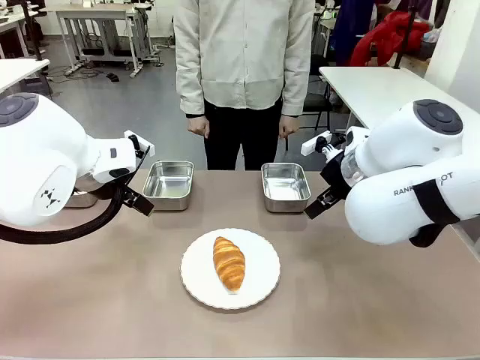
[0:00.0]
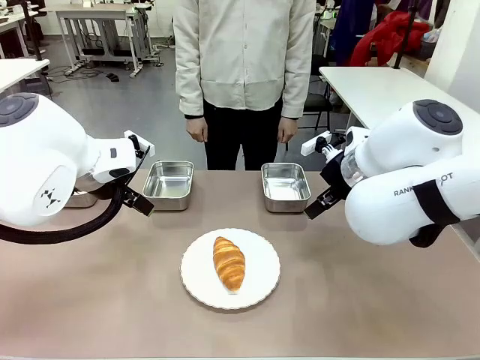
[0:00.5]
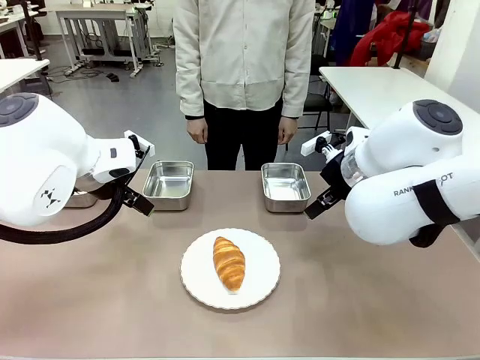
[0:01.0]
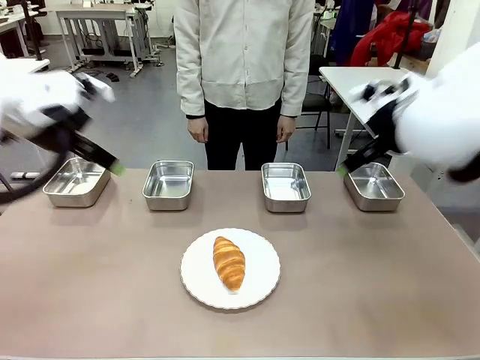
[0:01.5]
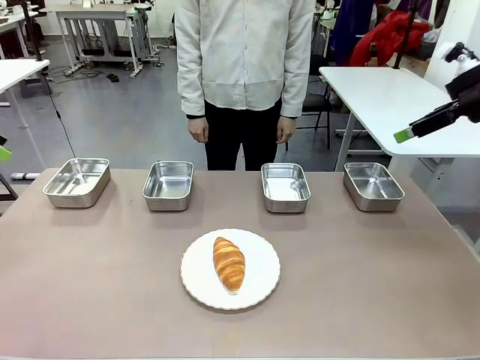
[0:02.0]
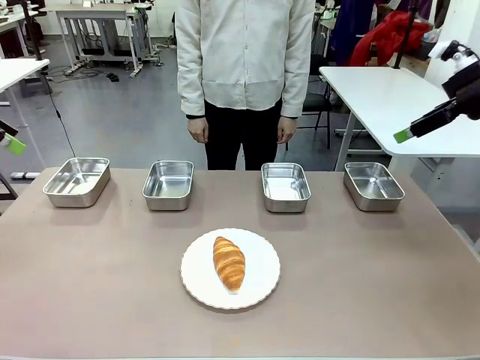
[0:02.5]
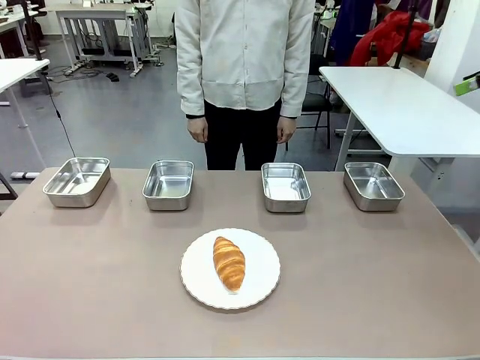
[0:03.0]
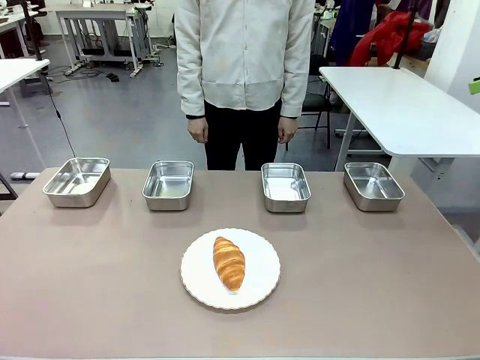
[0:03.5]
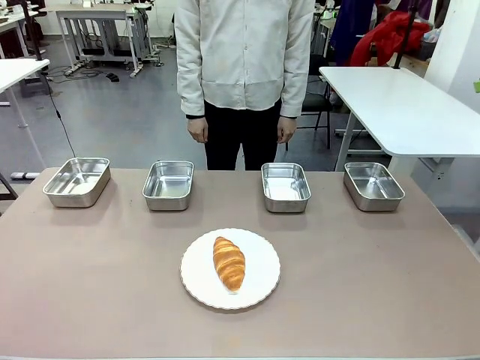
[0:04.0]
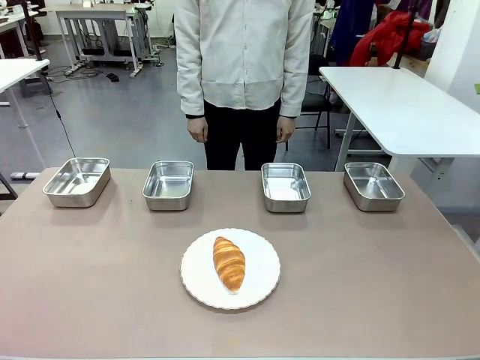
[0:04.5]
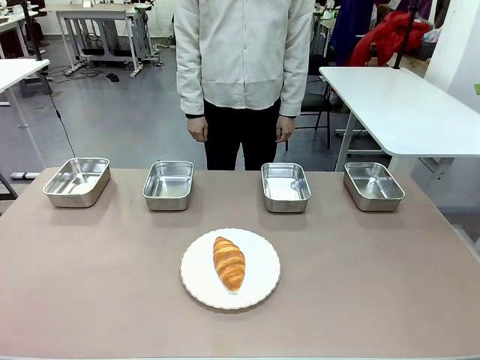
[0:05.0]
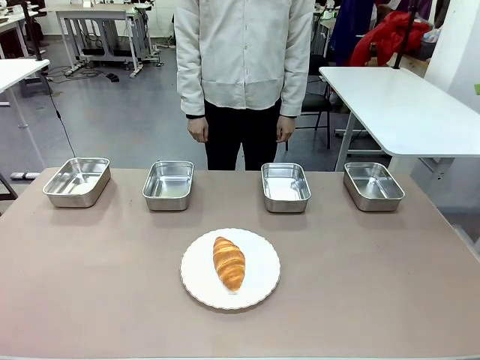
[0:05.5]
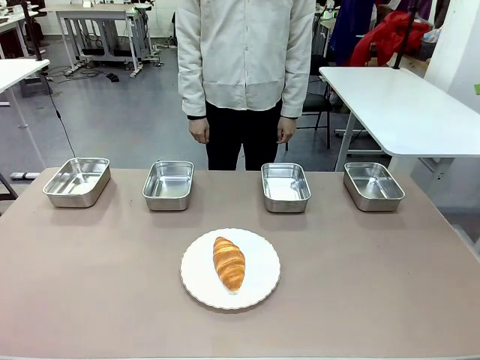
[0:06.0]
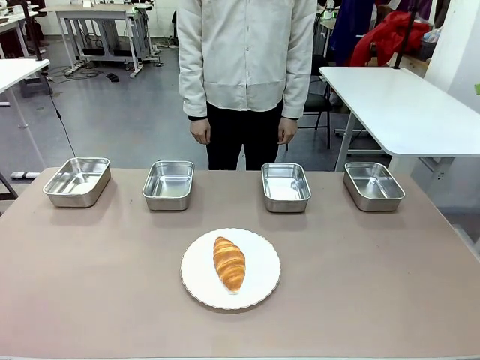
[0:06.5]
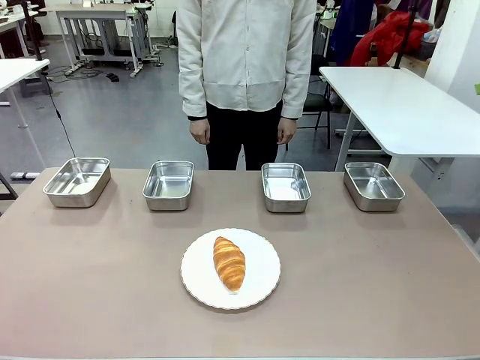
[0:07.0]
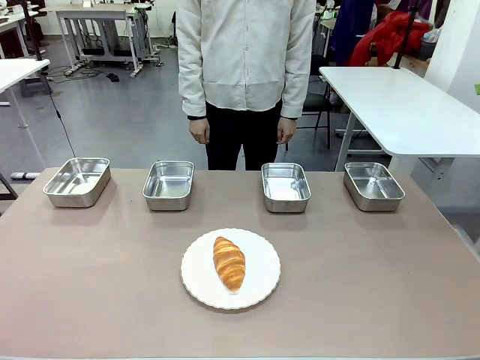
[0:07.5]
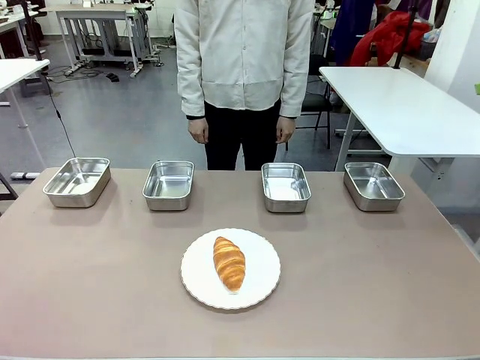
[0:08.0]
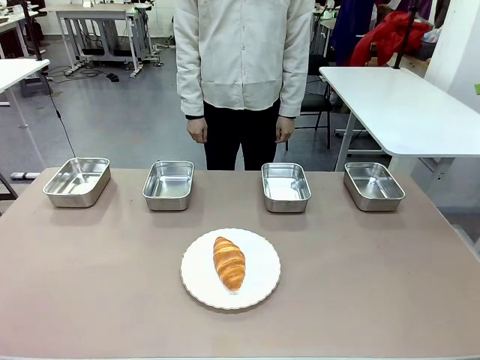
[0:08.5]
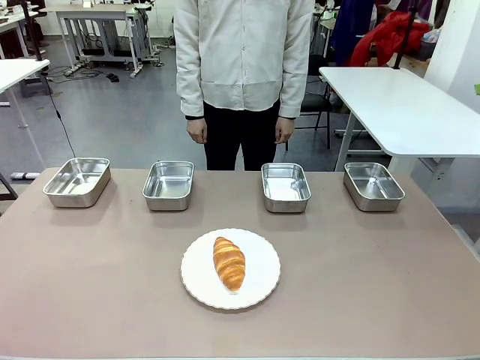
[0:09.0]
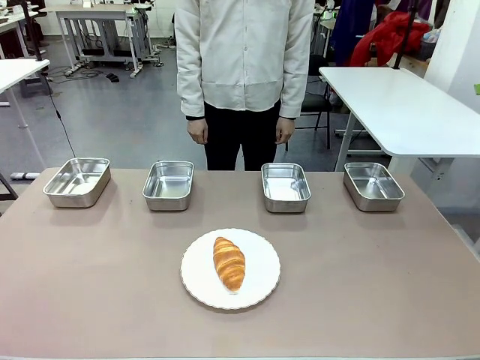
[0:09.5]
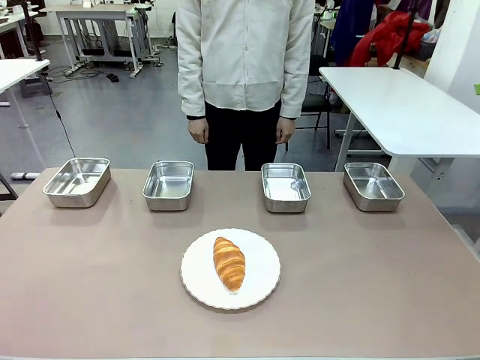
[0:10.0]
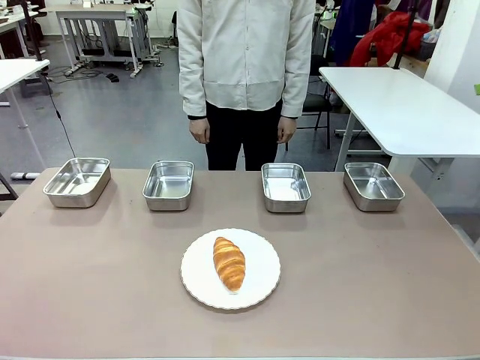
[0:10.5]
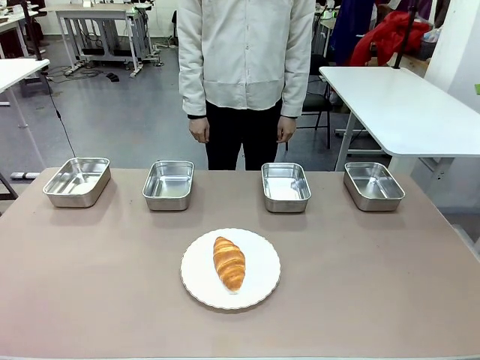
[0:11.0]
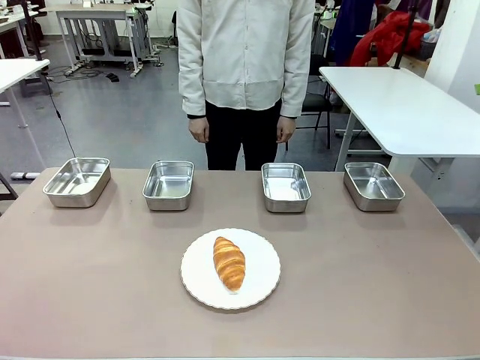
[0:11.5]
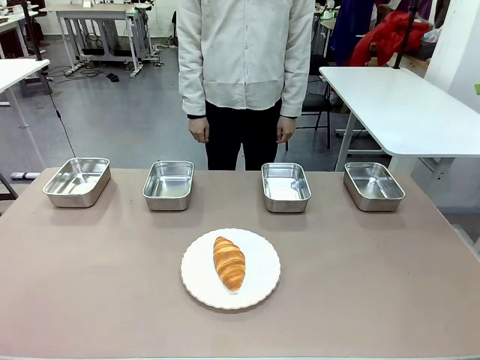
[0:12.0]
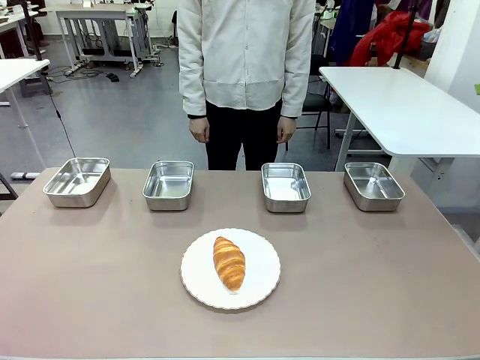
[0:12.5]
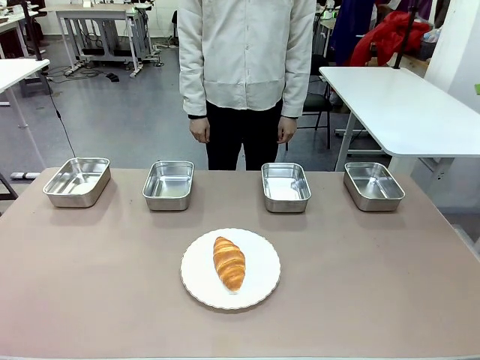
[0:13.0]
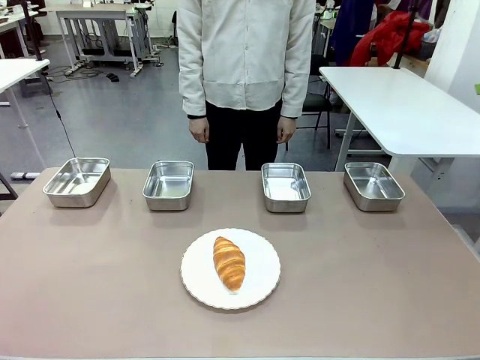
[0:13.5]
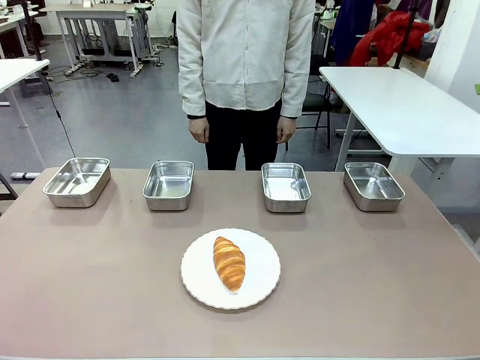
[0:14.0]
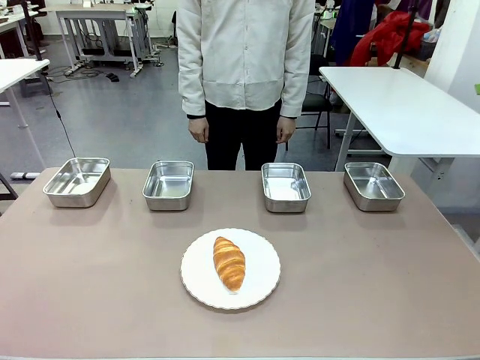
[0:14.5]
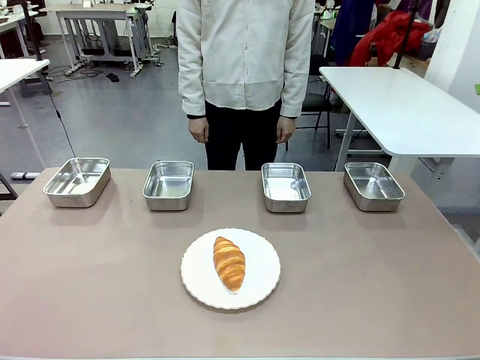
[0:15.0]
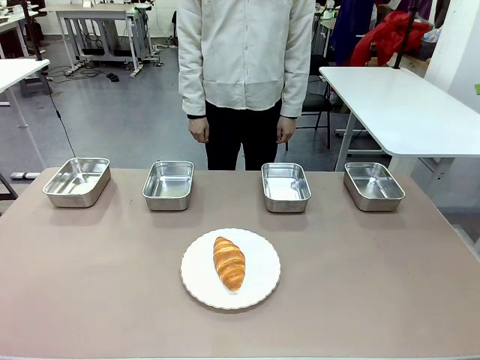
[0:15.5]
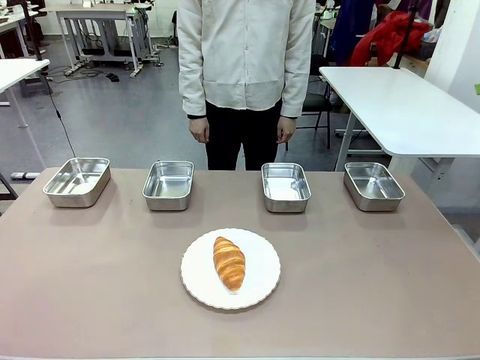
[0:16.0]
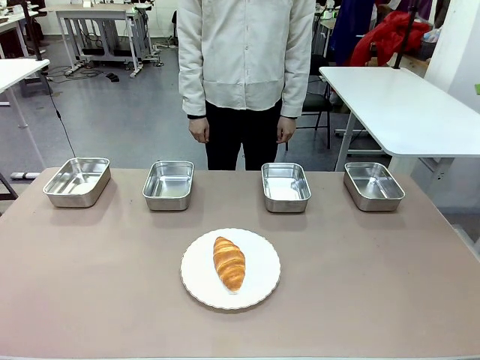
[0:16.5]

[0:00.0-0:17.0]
Task: Place the bread in the container.
Robot: Place the Butter Roll into the Airtight Container indicated by the human.
